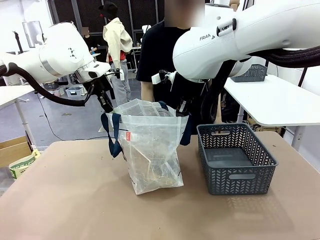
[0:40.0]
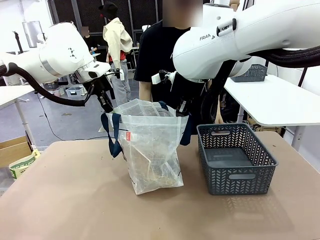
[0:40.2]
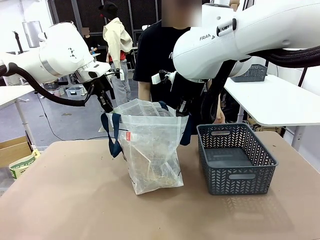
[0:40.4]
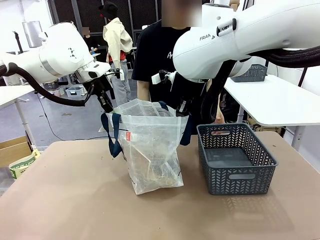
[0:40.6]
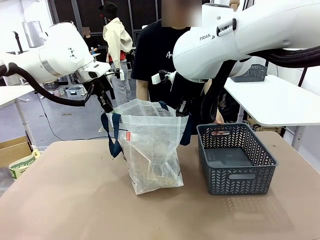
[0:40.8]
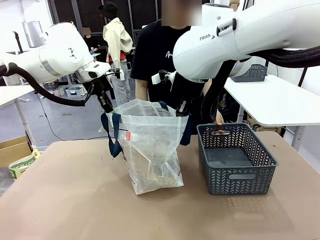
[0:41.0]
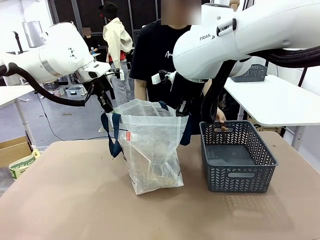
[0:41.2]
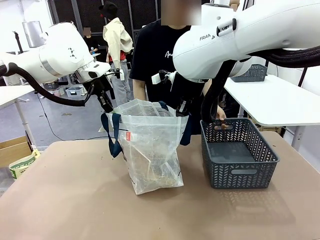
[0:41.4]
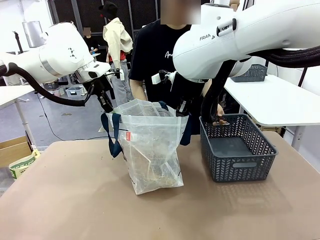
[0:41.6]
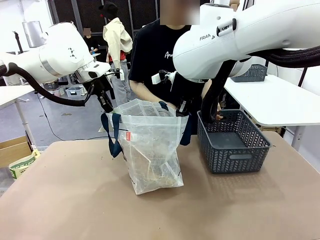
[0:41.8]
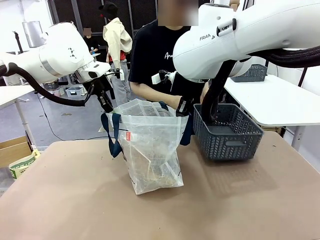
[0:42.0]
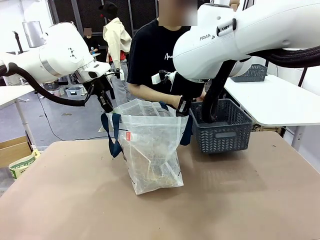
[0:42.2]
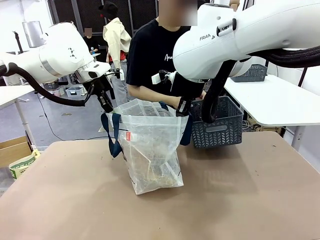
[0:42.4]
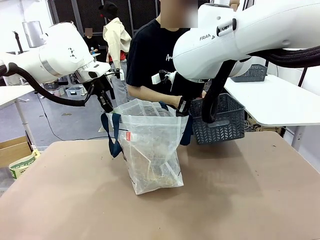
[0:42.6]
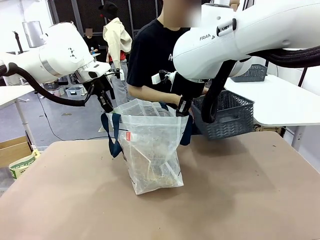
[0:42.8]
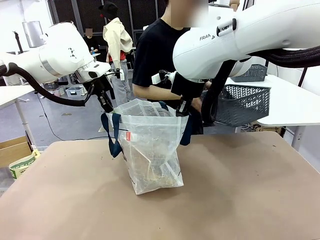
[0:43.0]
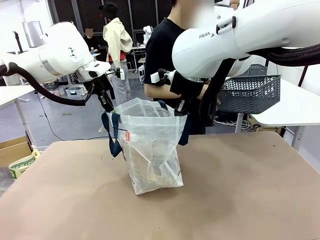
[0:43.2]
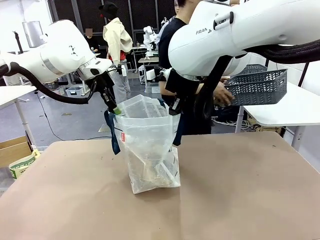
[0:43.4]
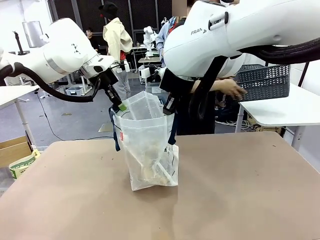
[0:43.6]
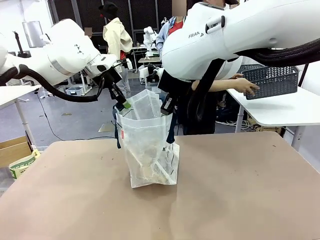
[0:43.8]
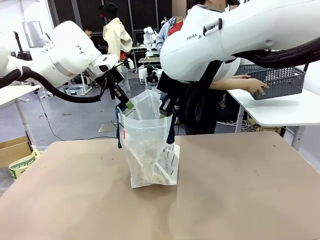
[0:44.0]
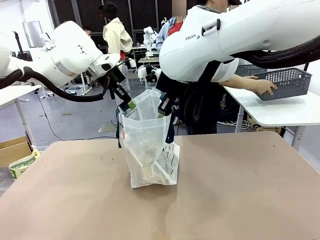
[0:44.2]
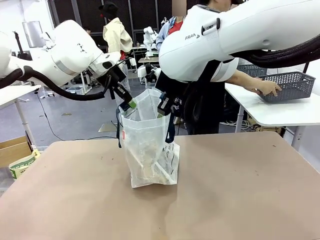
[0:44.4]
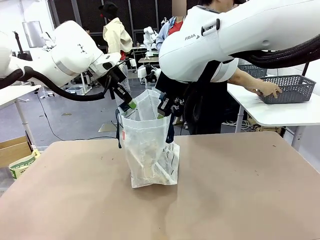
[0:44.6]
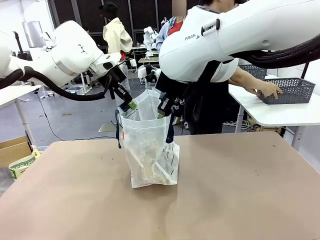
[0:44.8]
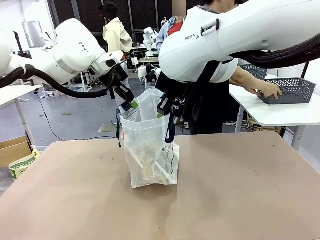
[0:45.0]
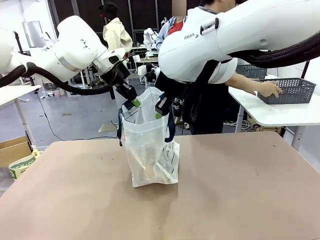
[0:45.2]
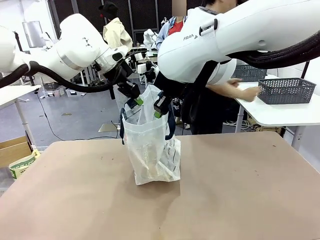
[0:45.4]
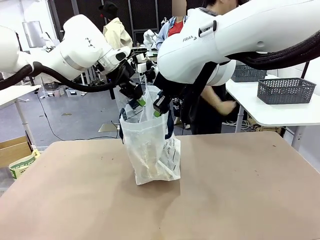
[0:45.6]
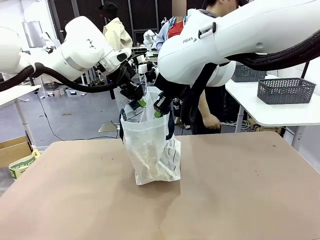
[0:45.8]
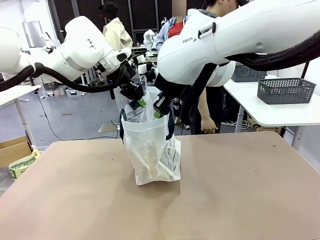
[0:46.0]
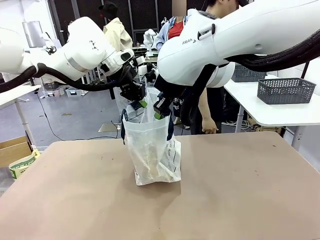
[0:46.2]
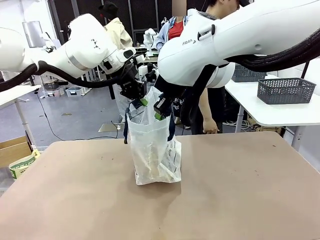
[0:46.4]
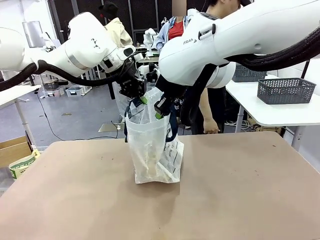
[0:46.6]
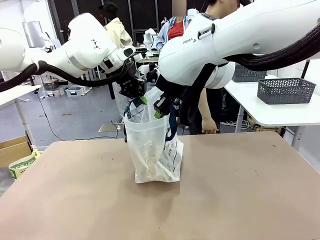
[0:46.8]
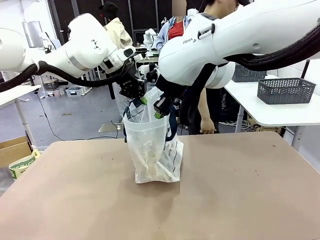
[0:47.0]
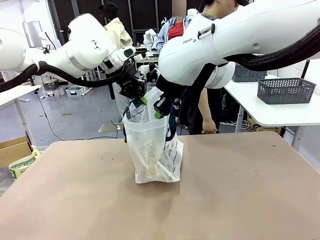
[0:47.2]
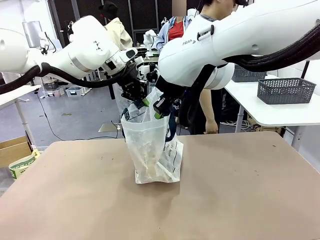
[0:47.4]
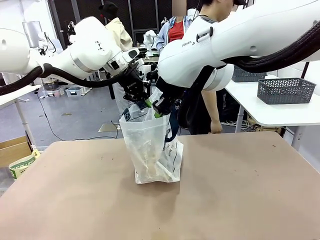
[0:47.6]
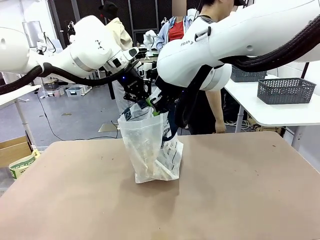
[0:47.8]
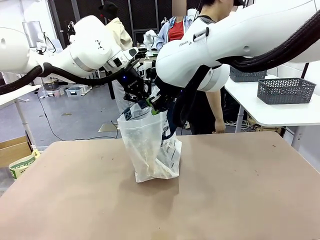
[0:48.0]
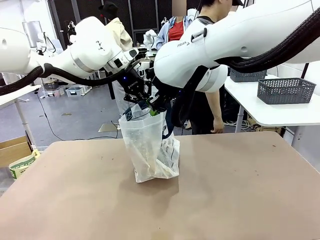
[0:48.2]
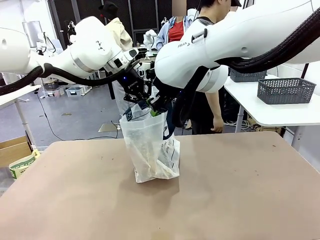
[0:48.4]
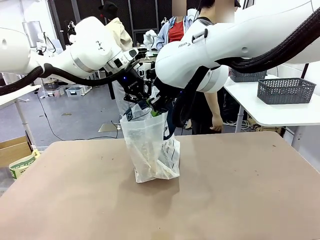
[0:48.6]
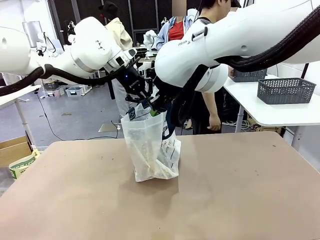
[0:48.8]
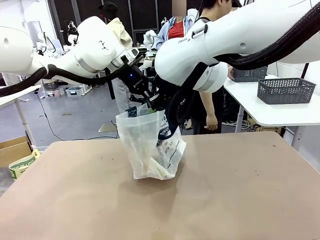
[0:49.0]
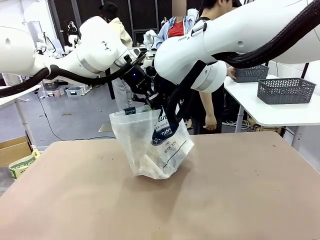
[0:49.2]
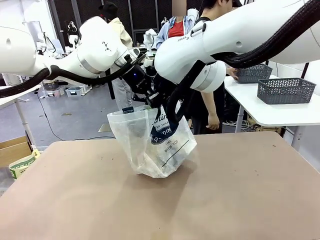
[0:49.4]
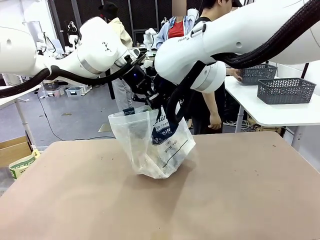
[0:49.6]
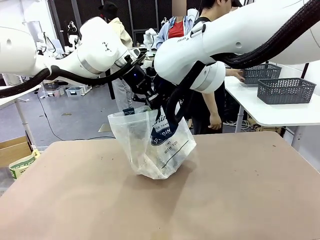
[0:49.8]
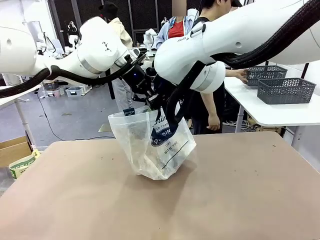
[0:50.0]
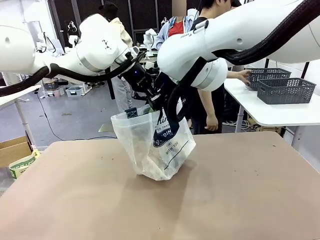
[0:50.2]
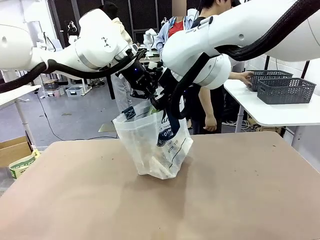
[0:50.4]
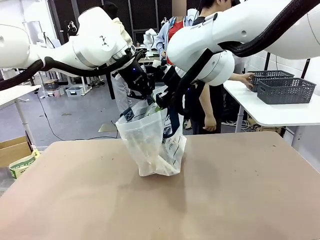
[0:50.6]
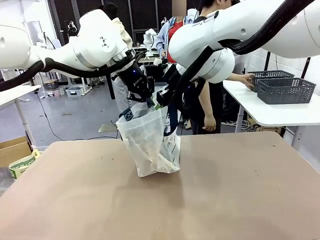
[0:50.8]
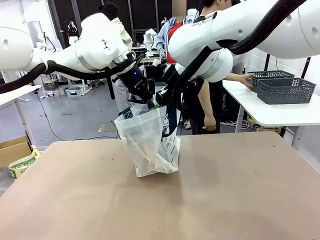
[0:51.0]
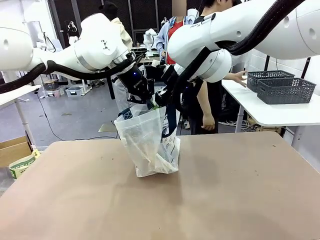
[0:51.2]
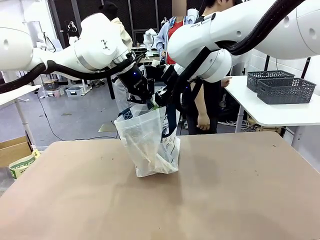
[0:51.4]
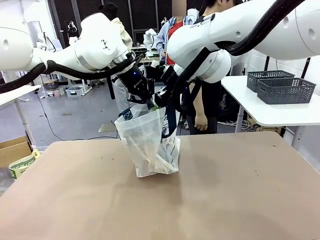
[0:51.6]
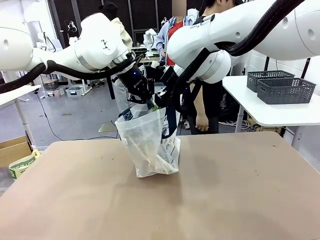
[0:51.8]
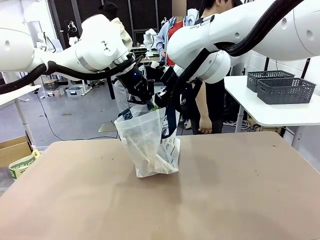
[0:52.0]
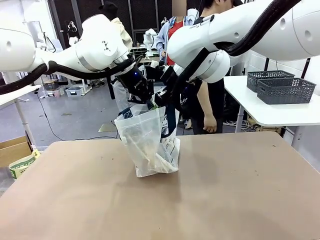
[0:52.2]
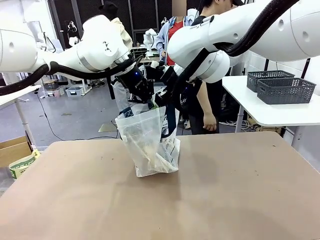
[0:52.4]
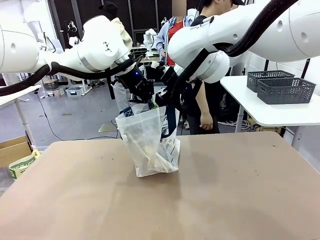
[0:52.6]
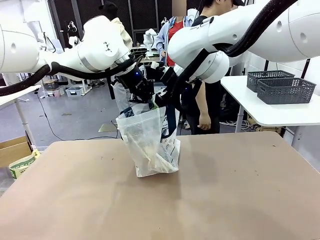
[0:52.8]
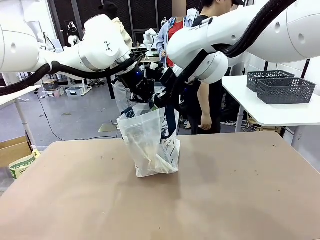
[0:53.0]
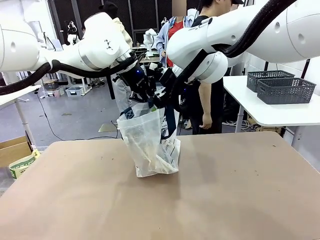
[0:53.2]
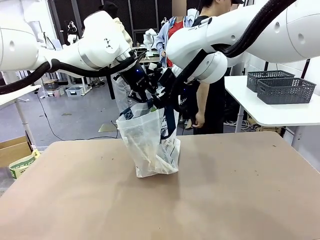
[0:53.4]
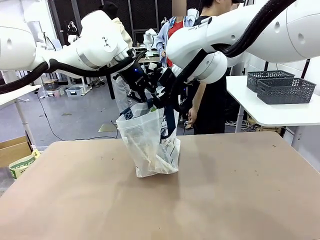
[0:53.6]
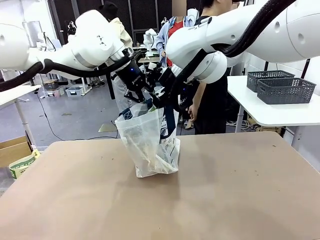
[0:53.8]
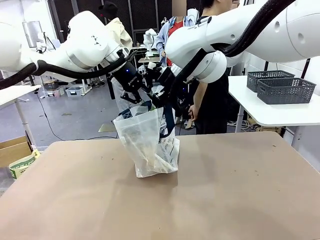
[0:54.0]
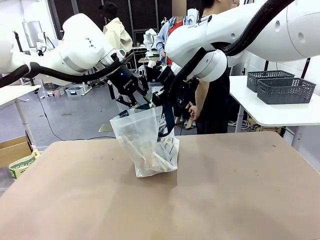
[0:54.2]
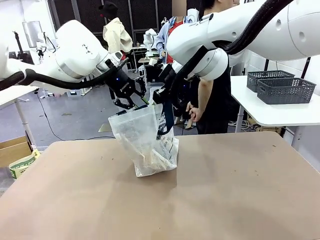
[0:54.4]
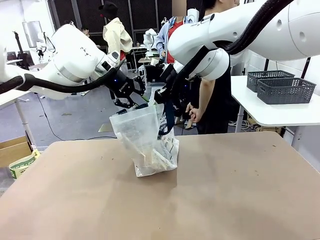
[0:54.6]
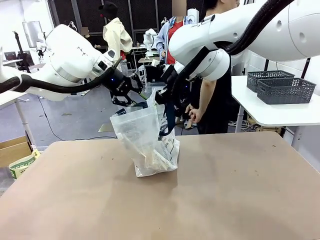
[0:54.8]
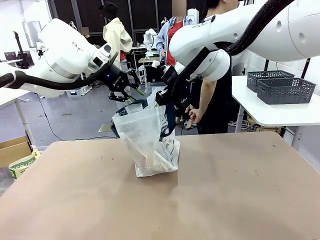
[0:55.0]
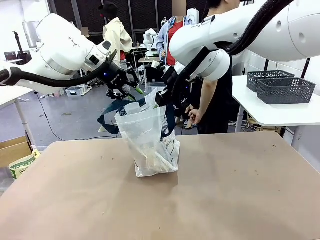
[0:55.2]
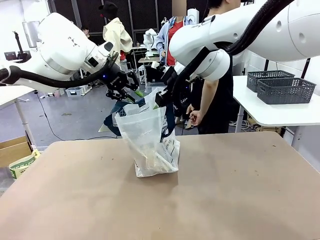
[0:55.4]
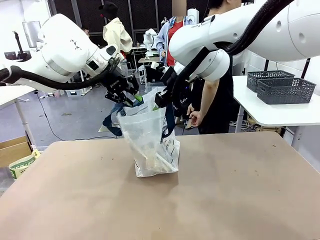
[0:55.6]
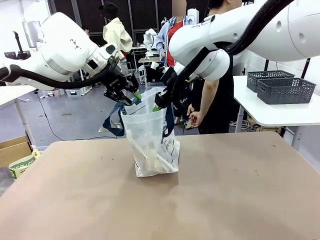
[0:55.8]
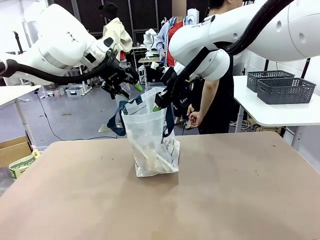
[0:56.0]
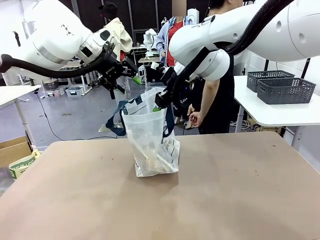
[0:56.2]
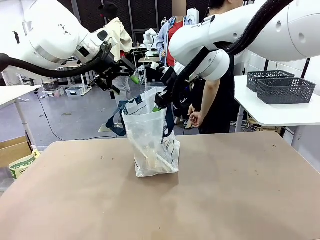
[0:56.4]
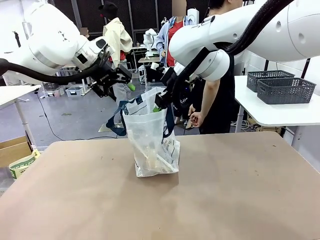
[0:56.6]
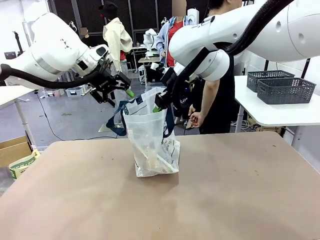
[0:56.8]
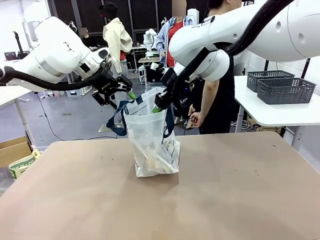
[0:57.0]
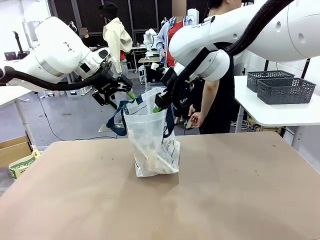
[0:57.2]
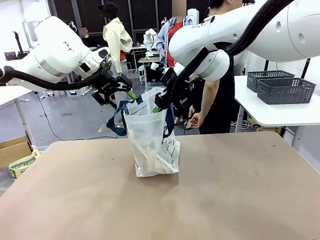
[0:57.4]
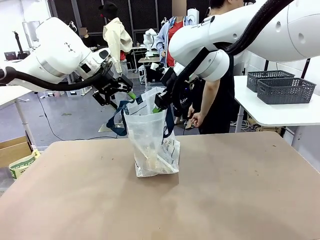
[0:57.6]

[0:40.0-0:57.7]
Task: Transfer purchased items from the store into the shopping bag.
Robot: Move the Reusable shopping bag to the right side of the table.
Person: Pick up the basket with the items out and place it on the right side of the human table.
